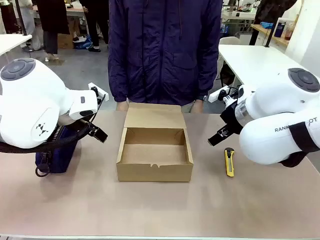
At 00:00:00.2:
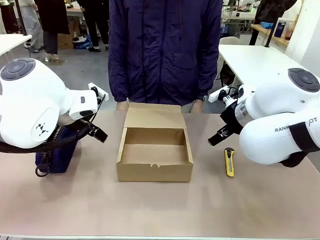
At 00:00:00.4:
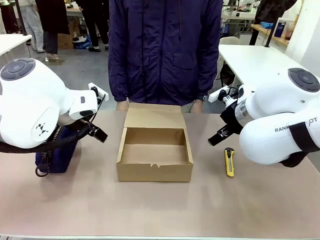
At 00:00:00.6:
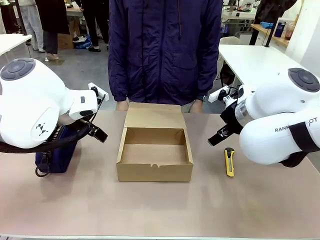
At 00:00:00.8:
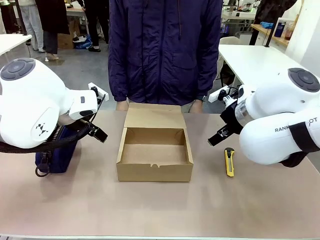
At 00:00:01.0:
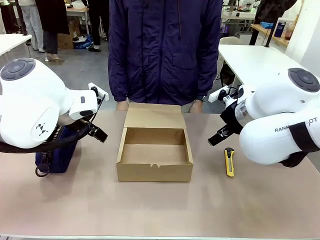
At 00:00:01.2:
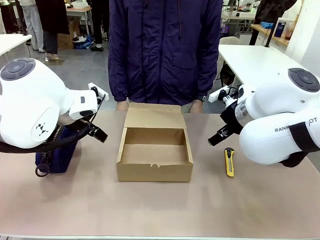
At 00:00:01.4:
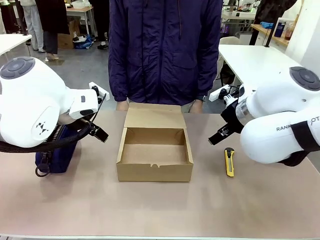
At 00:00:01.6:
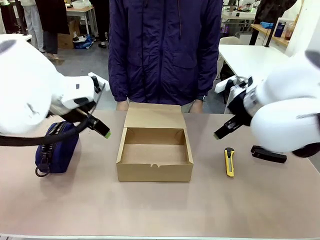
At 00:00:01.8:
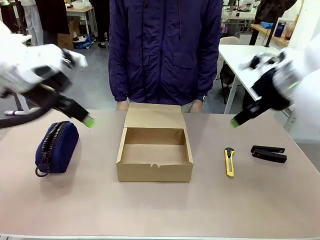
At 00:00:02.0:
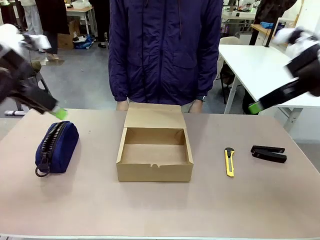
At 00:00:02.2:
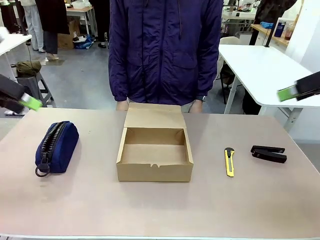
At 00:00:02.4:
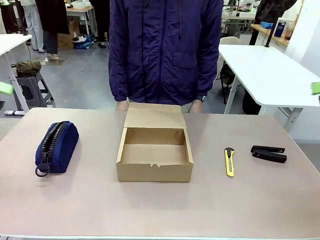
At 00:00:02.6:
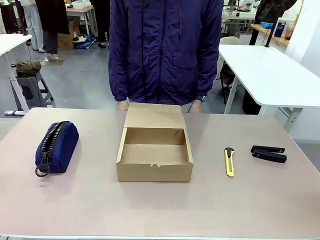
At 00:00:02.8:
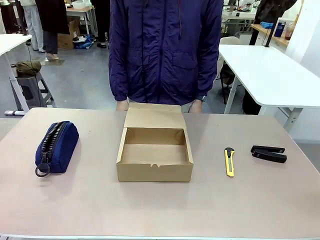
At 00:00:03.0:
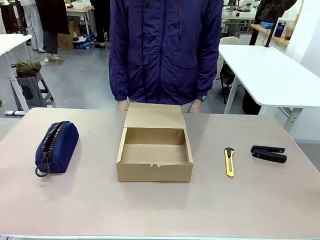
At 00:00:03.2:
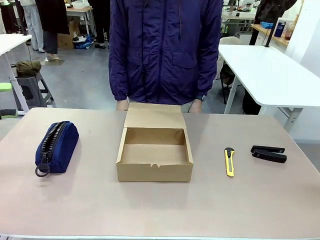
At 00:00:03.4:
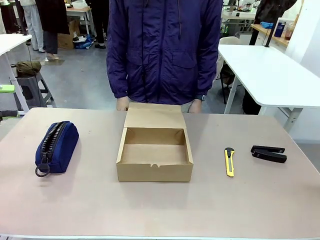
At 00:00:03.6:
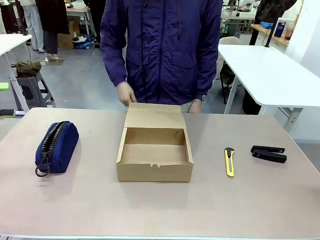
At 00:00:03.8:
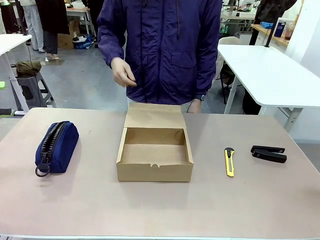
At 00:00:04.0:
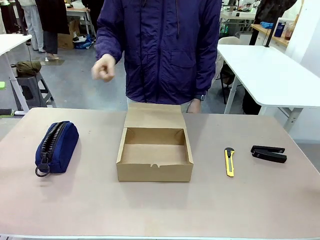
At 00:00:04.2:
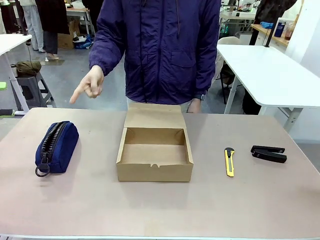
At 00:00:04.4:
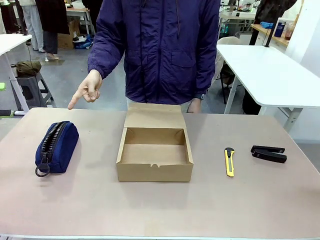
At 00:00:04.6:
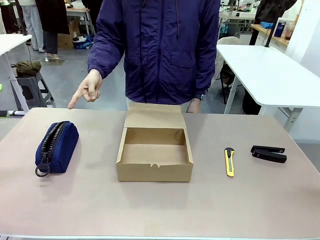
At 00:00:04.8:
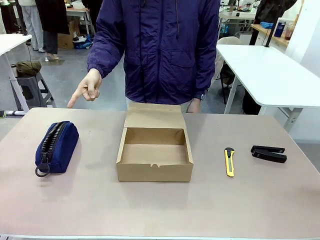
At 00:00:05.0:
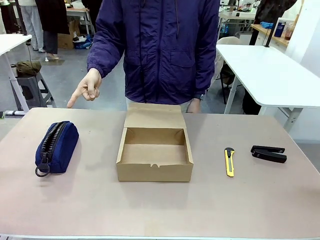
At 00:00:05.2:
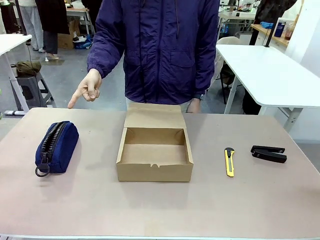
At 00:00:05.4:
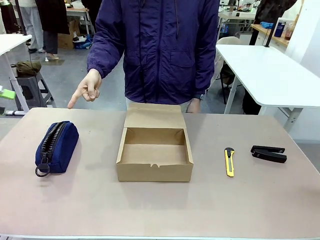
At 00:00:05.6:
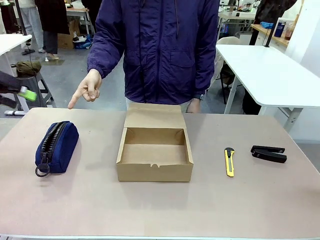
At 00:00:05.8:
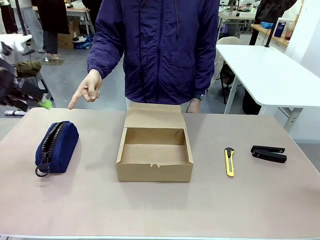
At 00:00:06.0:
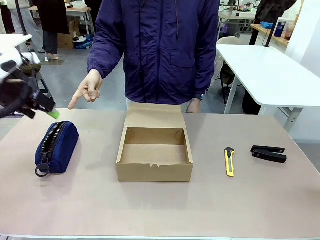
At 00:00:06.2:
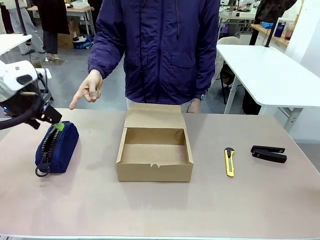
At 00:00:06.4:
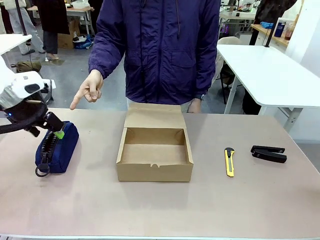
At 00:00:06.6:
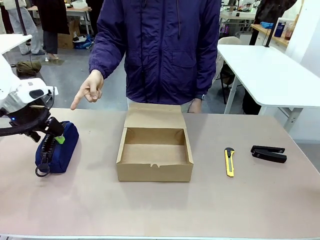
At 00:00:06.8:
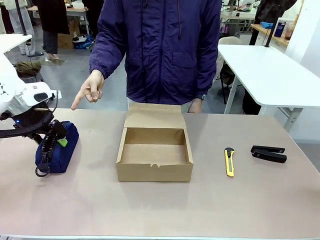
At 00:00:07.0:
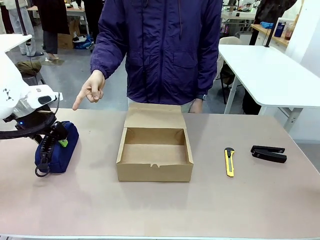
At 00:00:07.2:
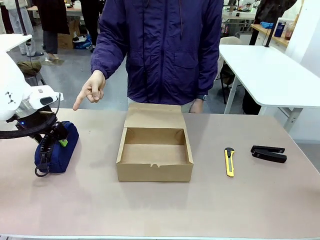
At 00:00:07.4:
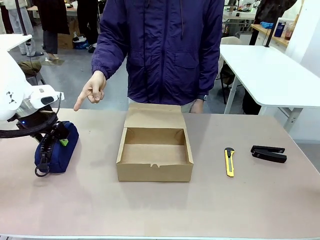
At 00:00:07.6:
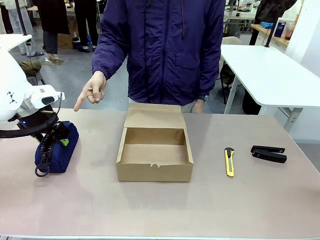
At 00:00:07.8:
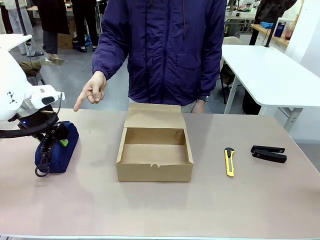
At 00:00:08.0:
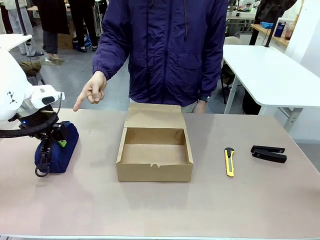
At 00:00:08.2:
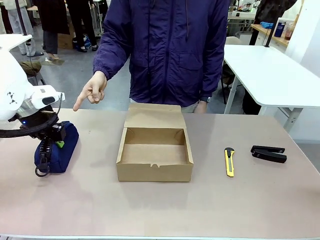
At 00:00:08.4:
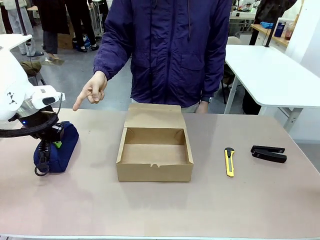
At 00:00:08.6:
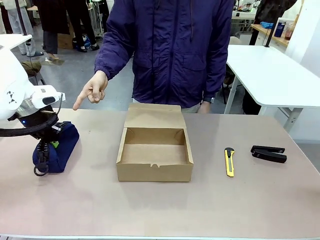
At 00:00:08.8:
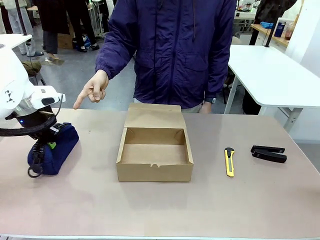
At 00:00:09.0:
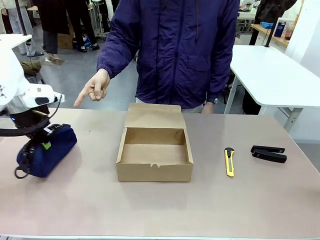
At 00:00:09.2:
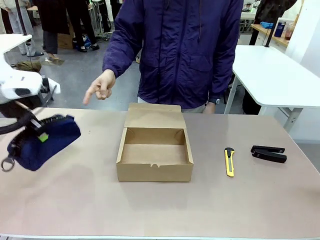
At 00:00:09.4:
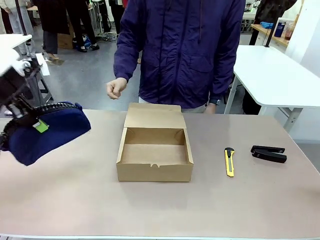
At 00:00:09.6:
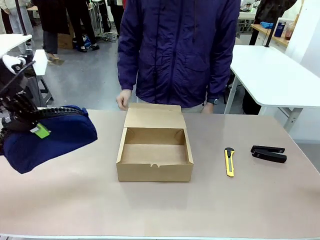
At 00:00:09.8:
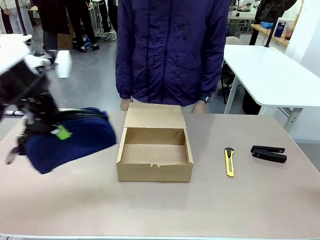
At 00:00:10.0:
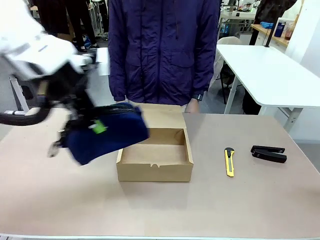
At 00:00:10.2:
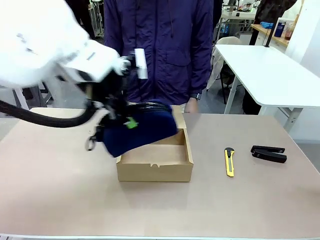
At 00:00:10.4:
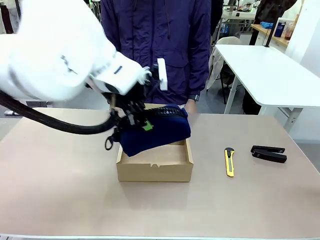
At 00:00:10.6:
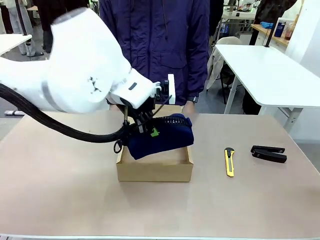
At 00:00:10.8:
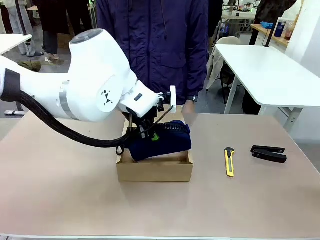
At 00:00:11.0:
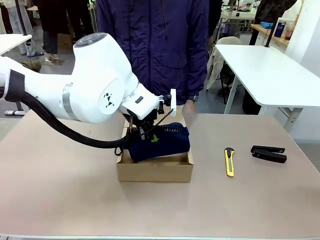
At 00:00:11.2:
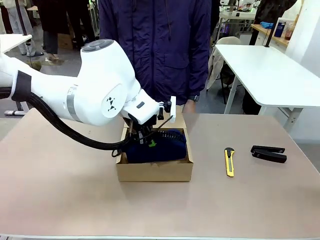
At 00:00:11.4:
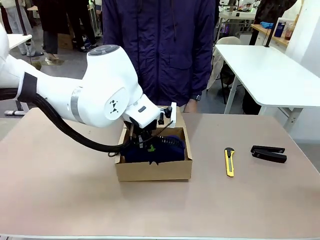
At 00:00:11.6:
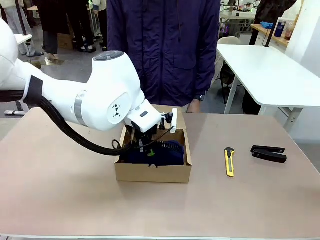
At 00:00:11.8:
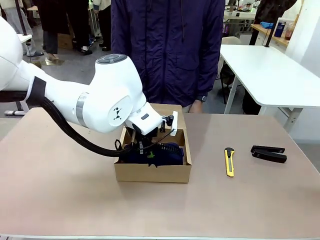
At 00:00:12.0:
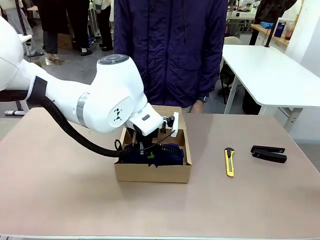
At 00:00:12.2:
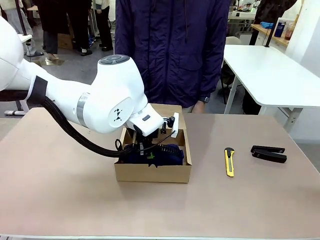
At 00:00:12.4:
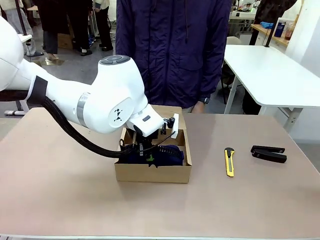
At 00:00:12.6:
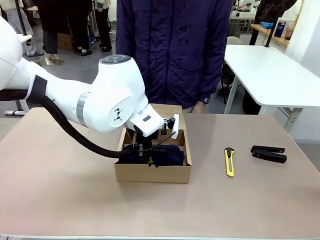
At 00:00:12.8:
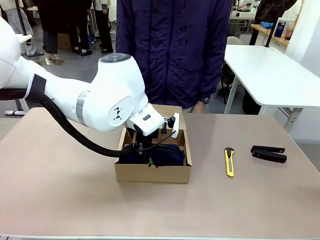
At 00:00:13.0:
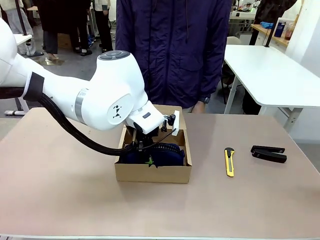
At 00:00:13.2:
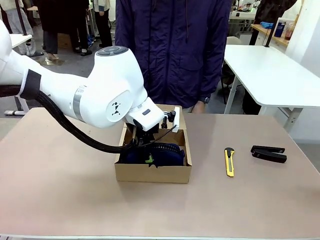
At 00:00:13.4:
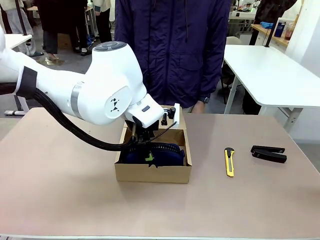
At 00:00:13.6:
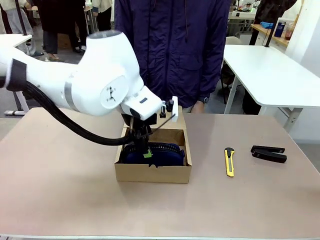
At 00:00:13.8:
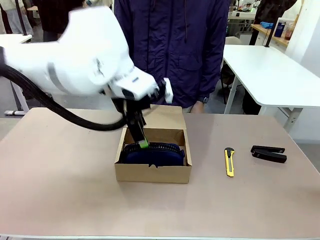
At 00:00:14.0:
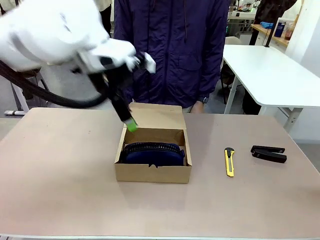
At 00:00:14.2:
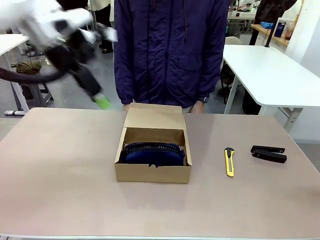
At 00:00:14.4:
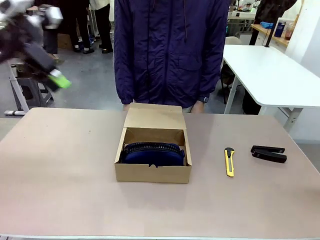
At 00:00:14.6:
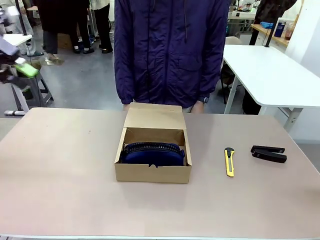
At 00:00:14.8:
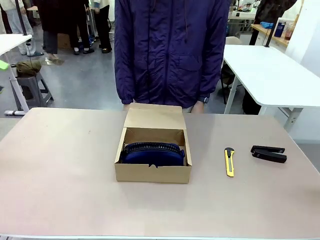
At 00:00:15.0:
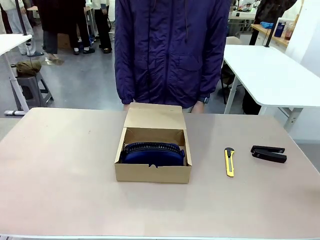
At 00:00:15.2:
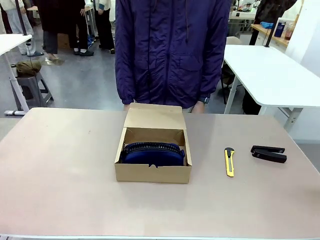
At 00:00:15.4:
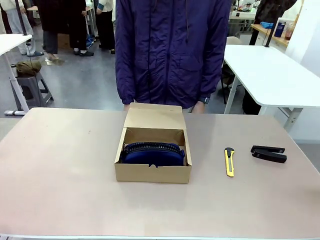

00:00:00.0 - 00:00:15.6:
Task: Pack the item into the box.
Robot: Pick up the item indicated by the person and place it inside the Mailer Box.
Person: Point at one item on the table (excluding the box).
